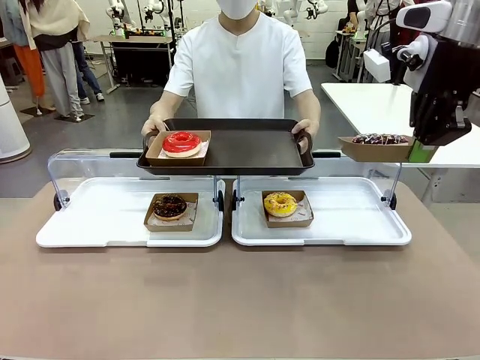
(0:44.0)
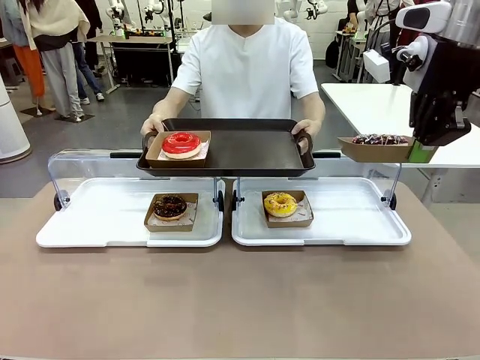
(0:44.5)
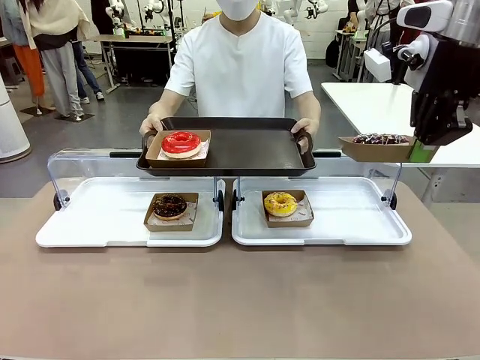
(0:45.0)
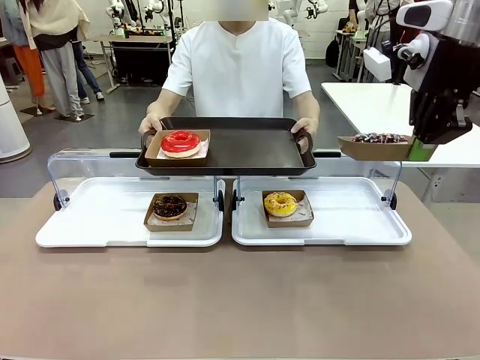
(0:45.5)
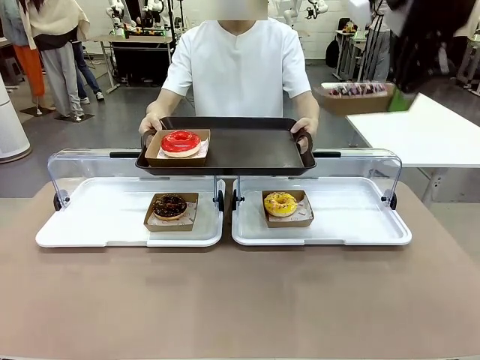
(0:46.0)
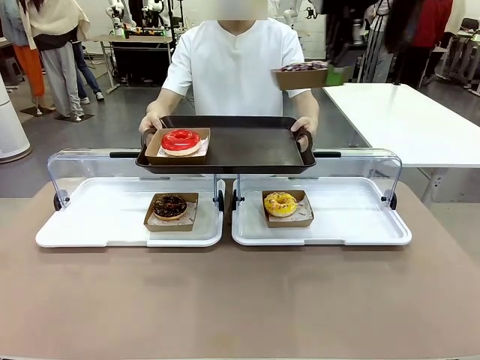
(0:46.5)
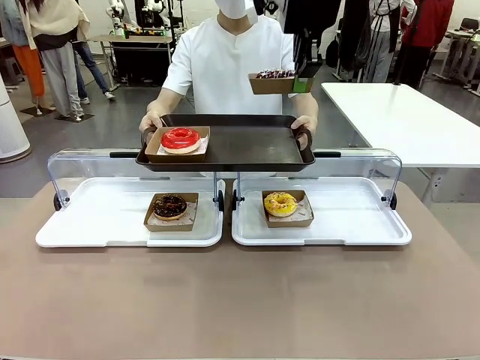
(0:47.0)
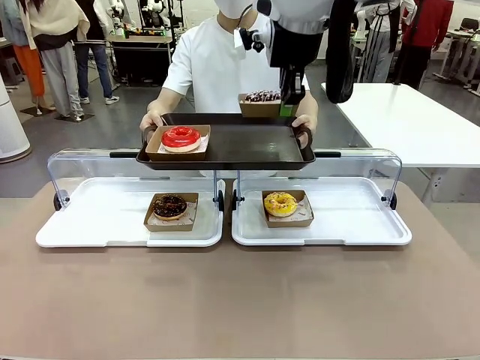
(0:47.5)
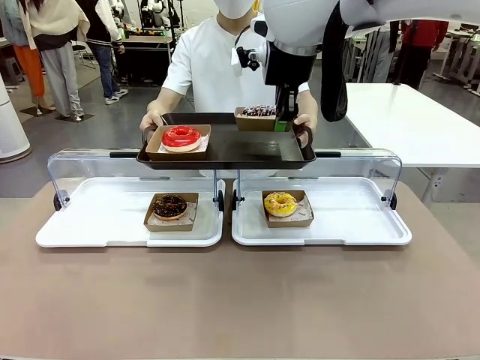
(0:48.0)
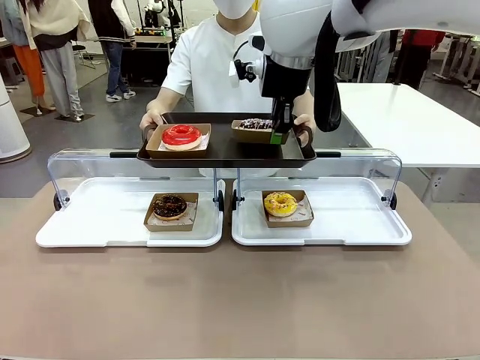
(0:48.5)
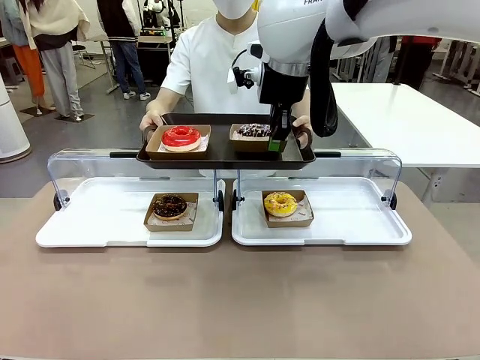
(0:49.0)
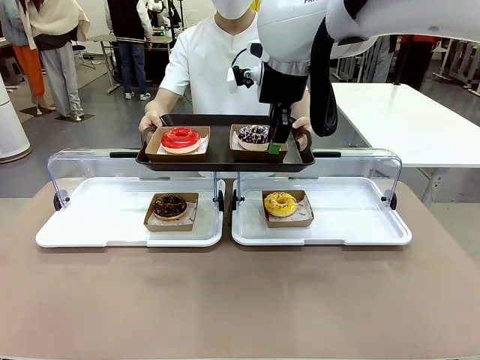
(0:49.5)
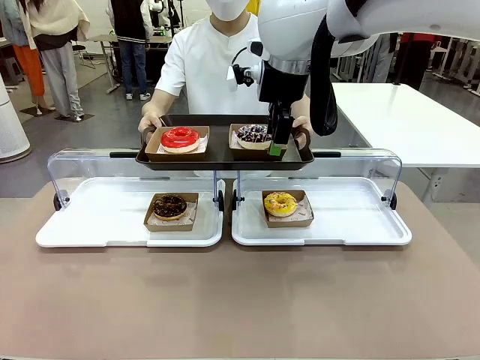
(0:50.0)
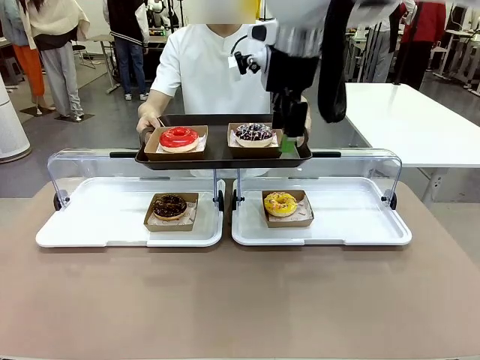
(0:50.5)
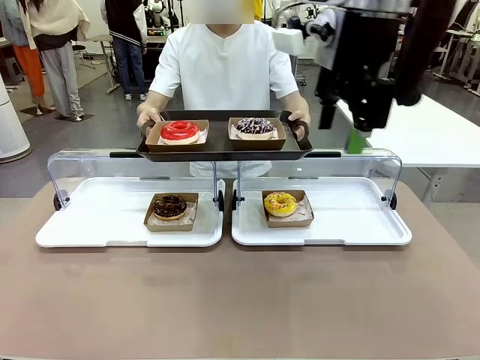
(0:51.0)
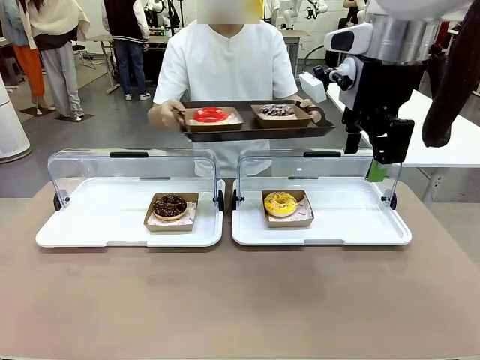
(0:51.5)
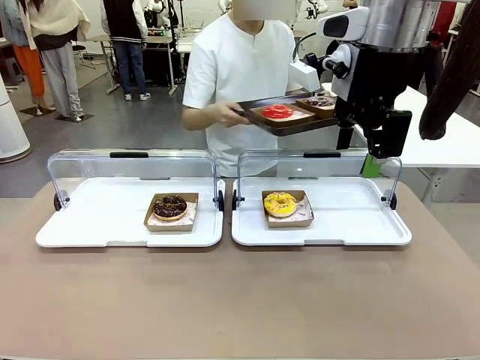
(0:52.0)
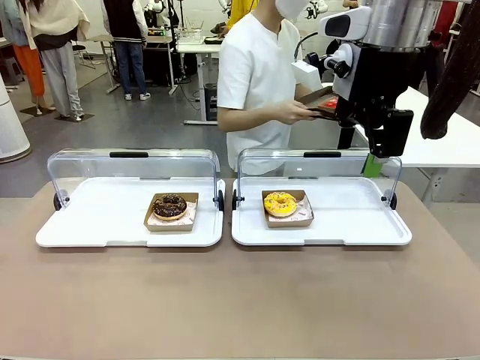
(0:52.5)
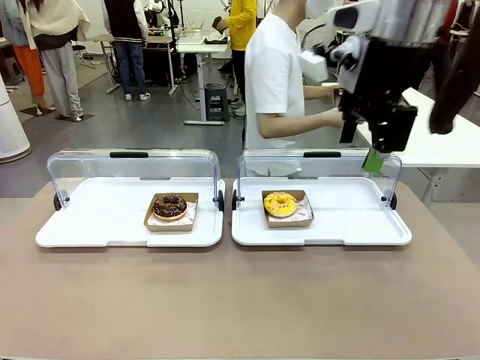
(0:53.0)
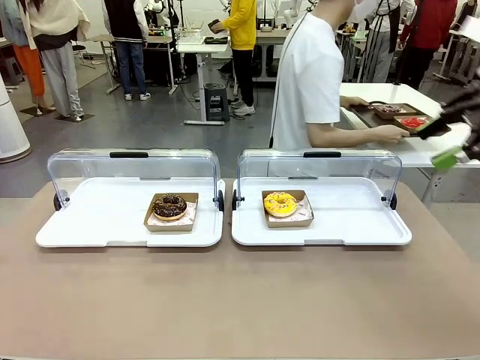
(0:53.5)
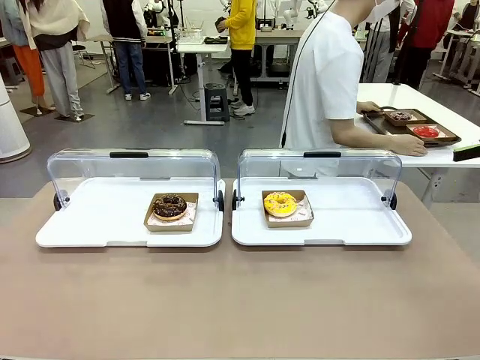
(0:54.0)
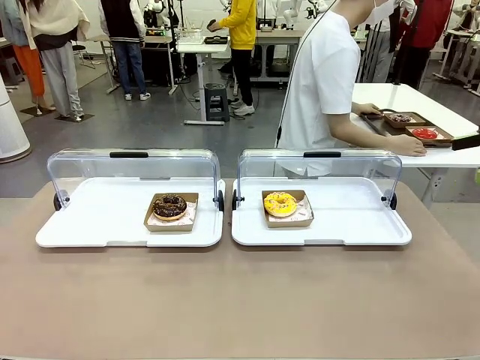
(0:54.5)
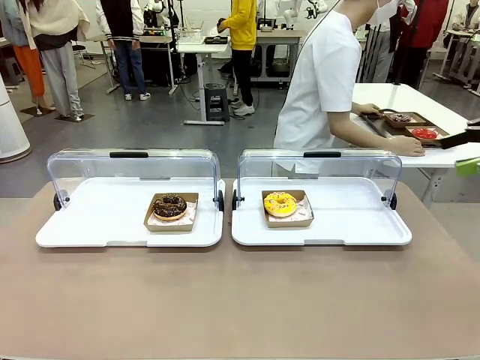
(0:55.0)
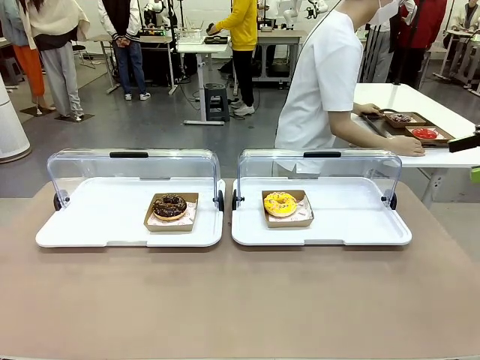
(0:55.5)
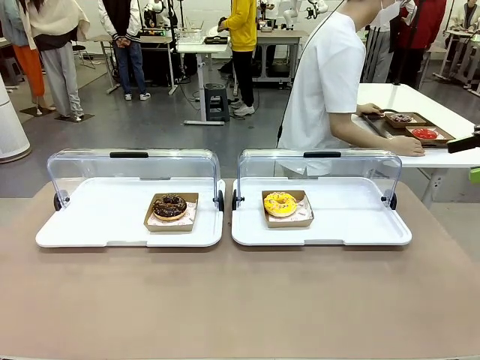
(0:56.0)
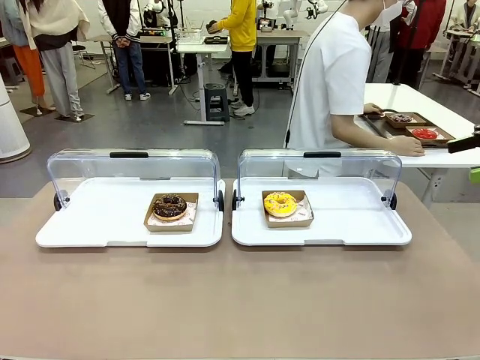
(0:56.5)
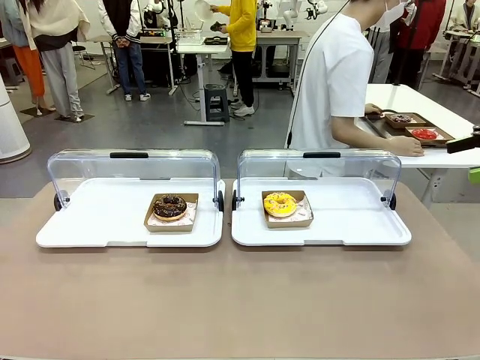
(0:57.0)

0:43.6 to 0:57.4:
Task: Provide the desired donut to the person.
Robot: Place the picked Paper togo box onto the Handle tray extended by the person.
Person: Place the tray in the middle of the human table.

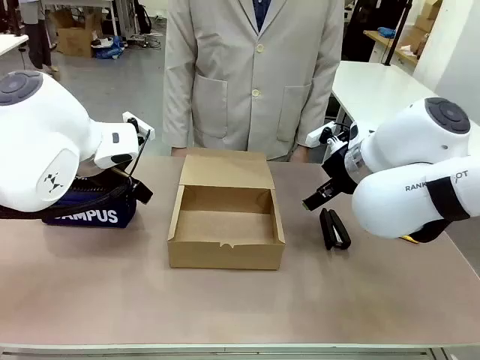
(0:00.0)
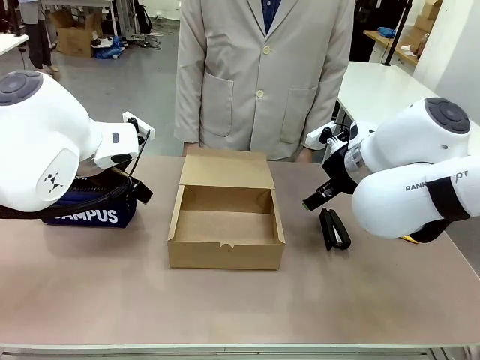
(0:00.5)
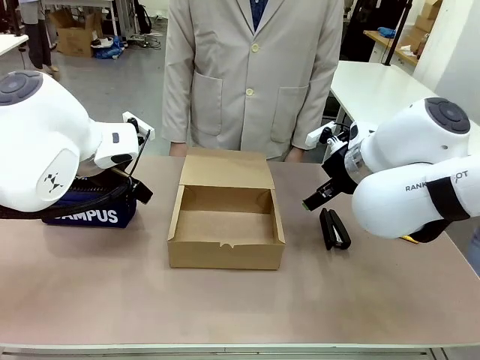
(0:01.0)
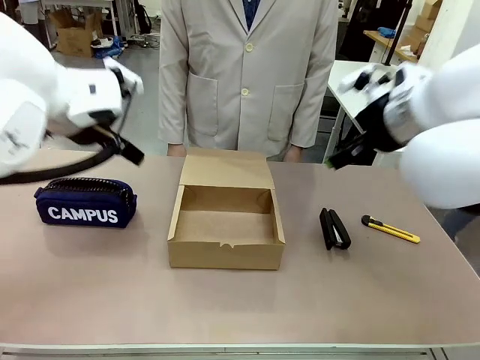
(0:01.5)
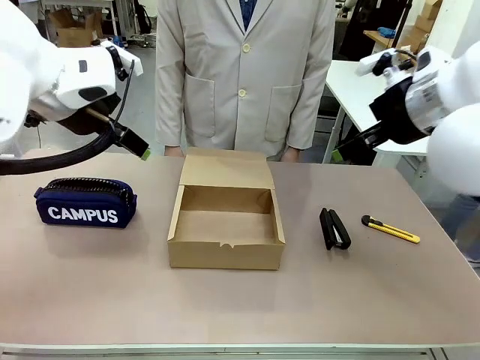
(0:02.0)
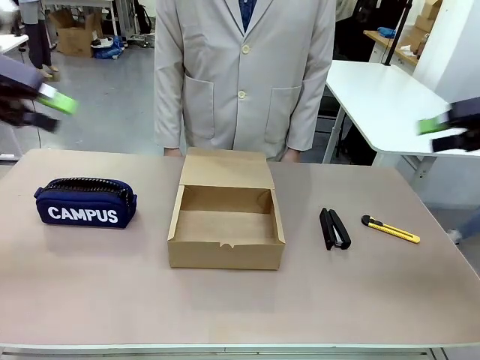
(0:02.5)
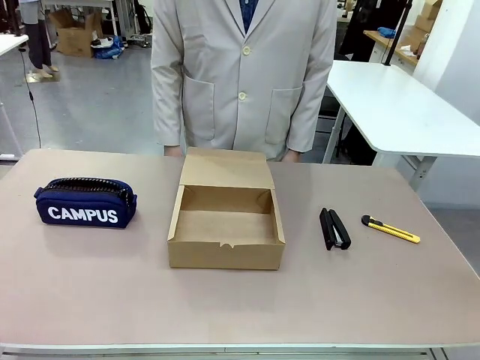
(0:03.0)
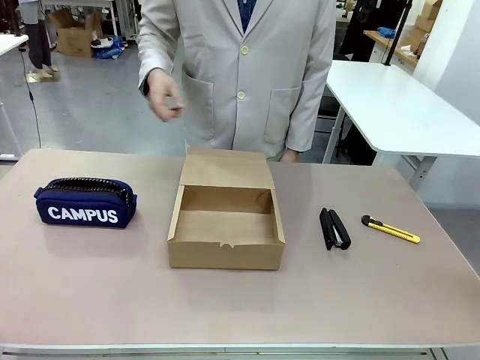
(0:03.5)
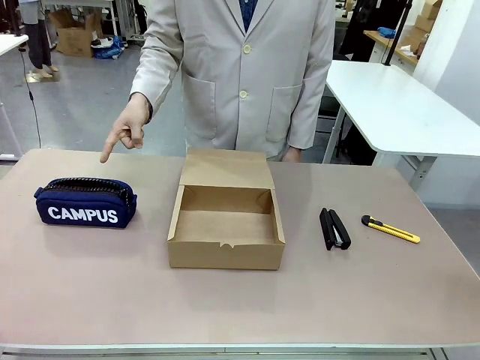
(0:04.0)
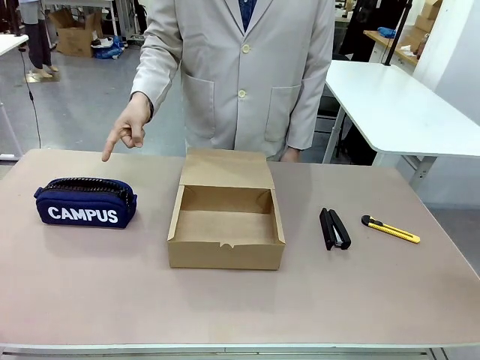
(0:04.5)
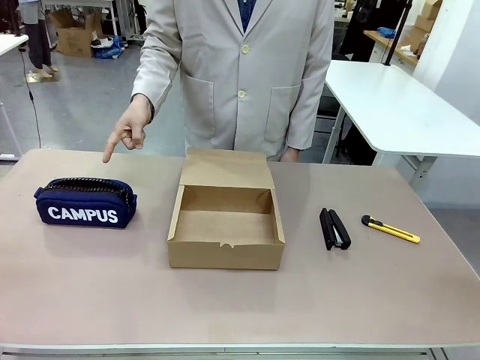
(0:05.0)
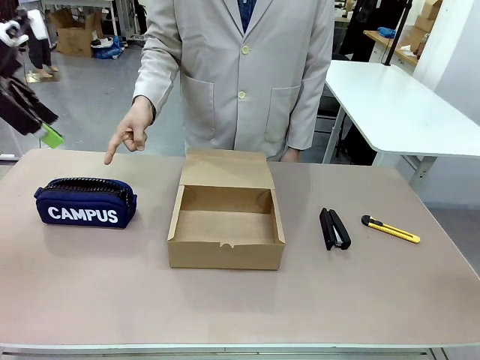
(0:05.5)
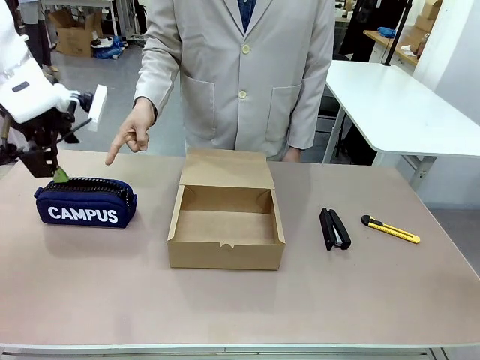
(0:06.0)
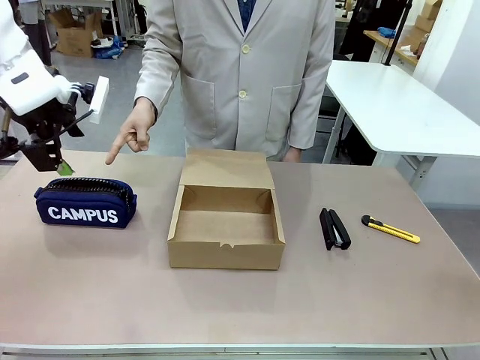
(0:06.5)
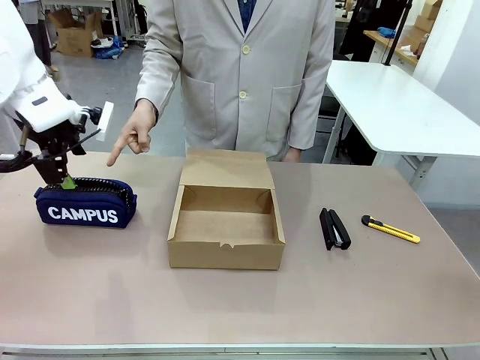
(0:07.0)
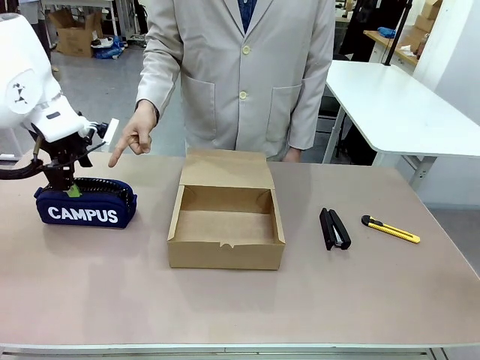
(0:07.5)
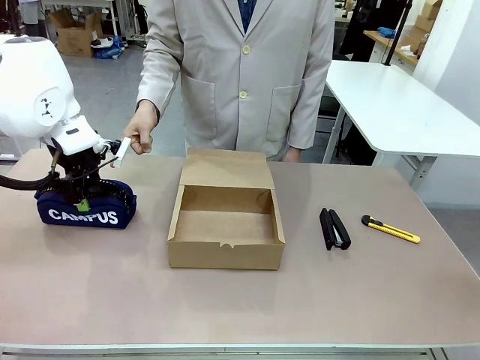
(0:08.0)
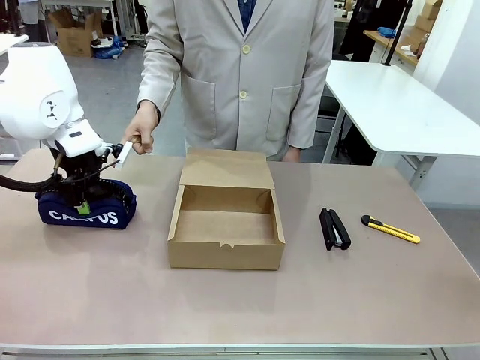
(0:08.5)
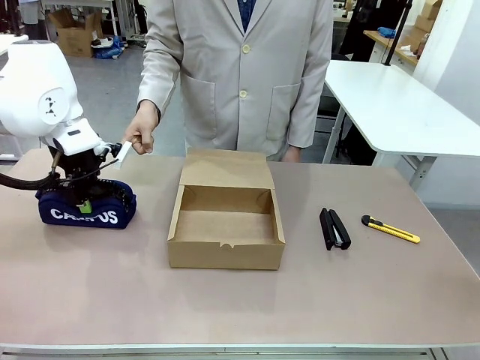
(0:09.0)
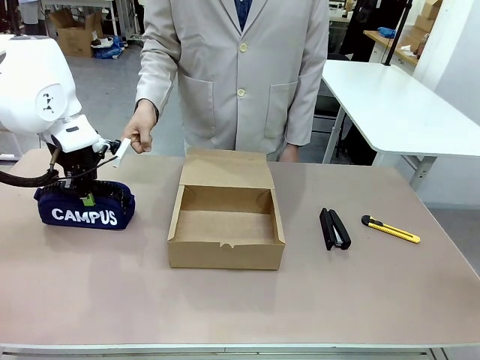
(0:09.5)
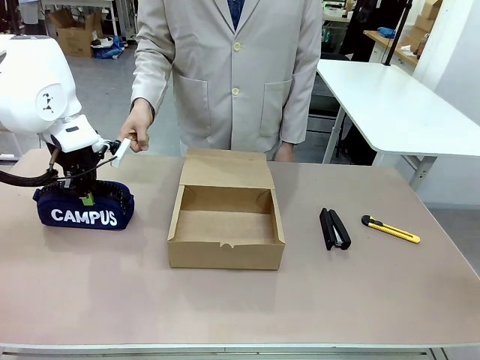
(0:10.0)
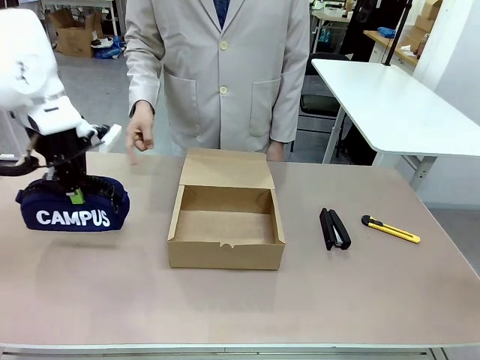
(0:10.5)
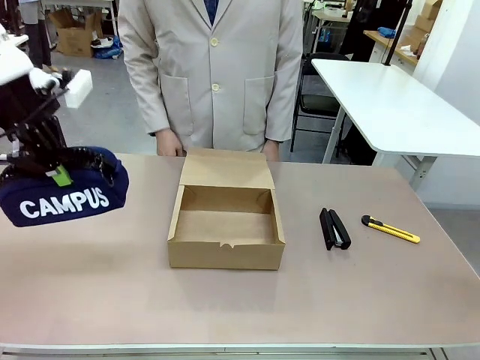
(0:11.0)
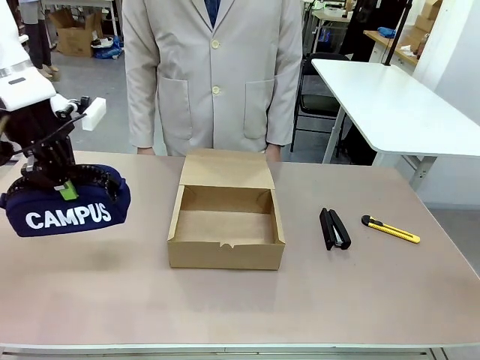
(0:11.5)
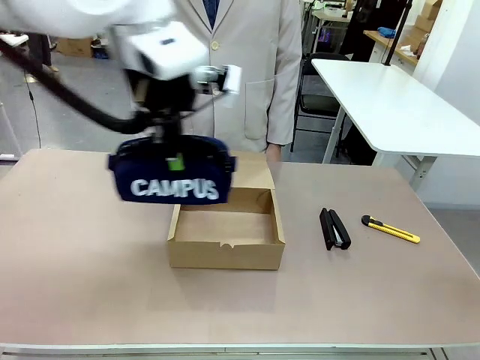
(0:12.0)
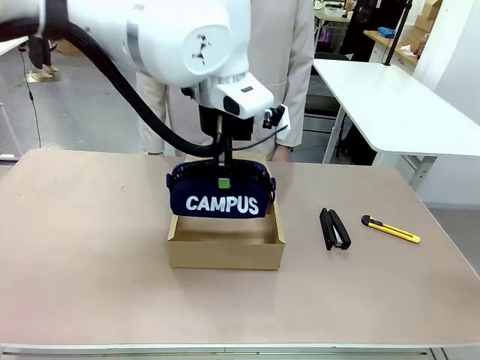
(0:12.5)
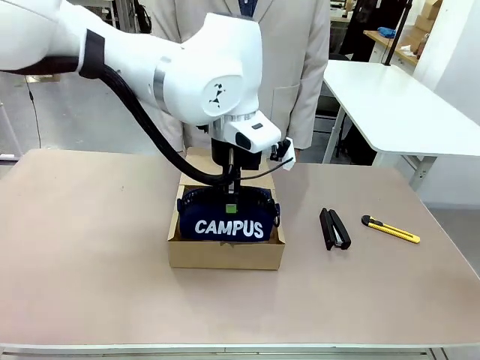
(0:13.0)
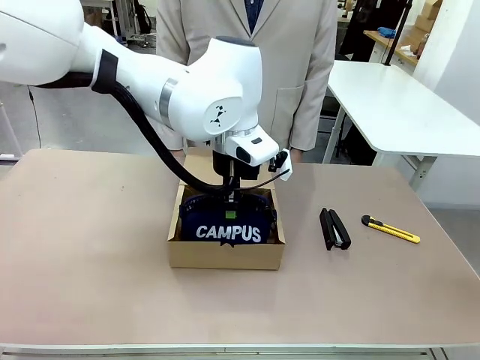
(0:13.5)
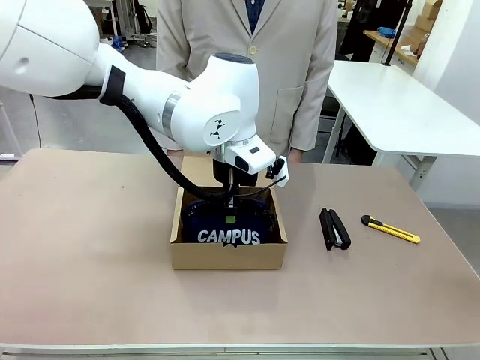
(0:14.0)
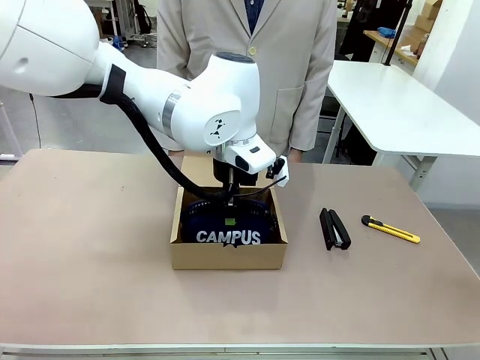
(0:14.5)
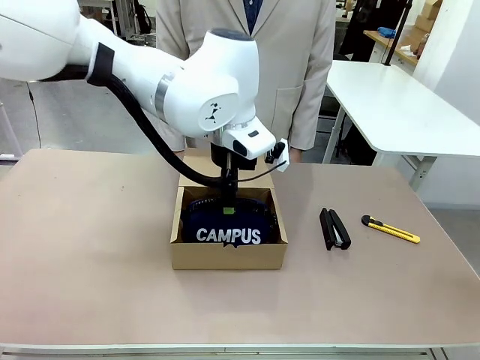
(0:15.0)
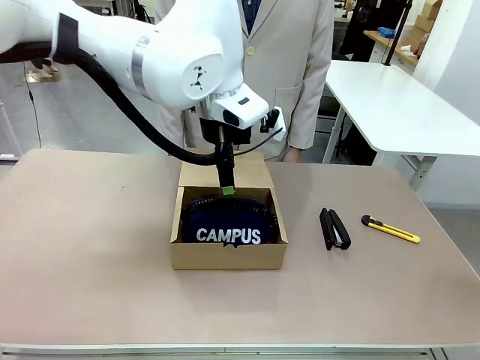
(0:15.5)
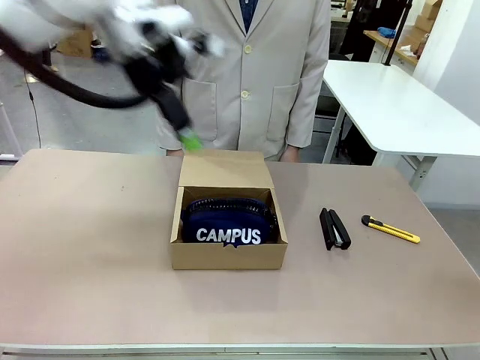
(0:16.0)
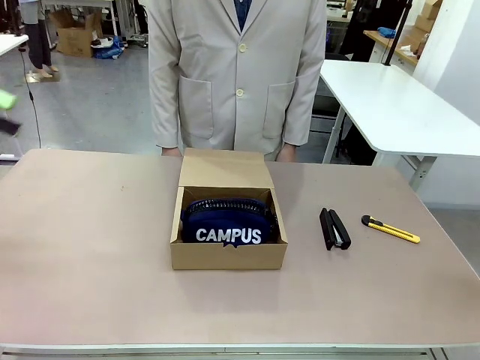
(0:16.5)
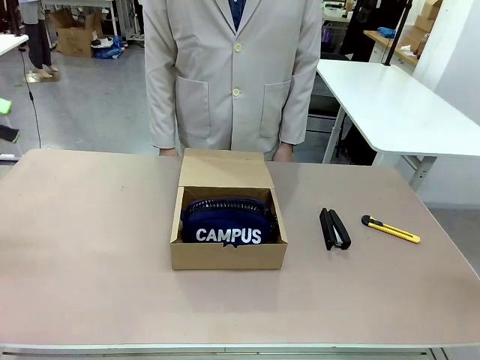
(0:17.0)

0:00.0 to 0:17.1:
Task: Pack the item into the box.
Robot: Pick up the item indicated by the person and place it inside the Mailer Box.
Person: Point at one item on the table (excluding the box).
